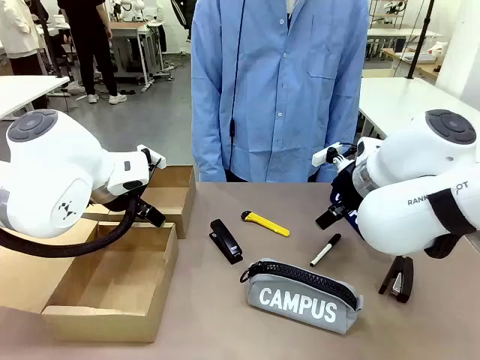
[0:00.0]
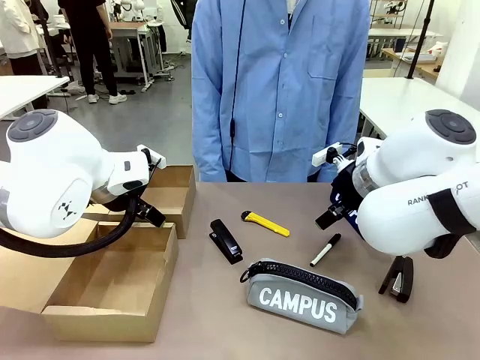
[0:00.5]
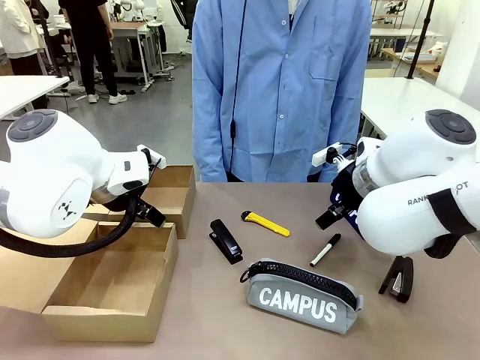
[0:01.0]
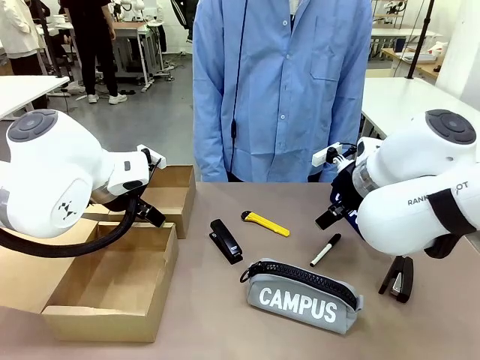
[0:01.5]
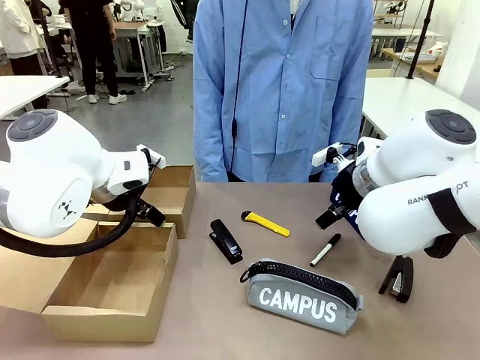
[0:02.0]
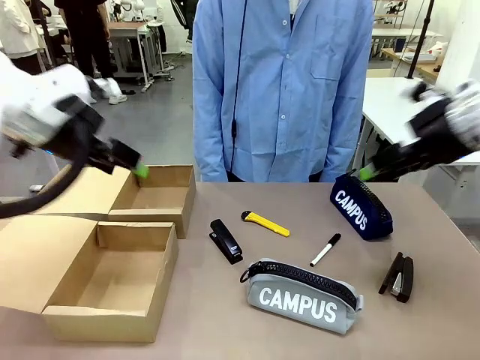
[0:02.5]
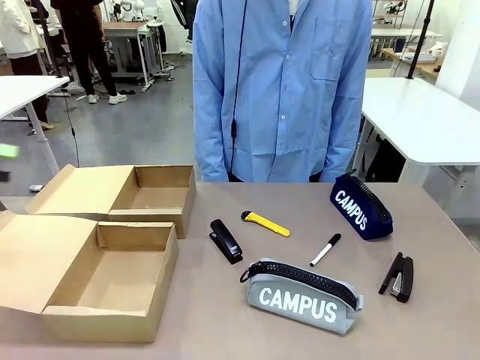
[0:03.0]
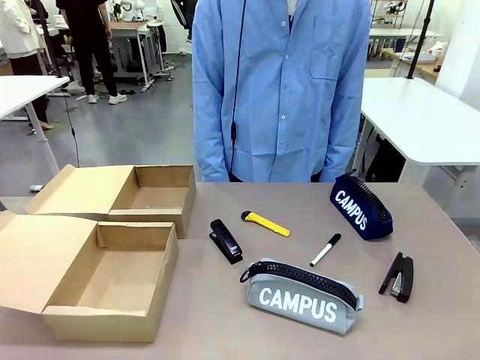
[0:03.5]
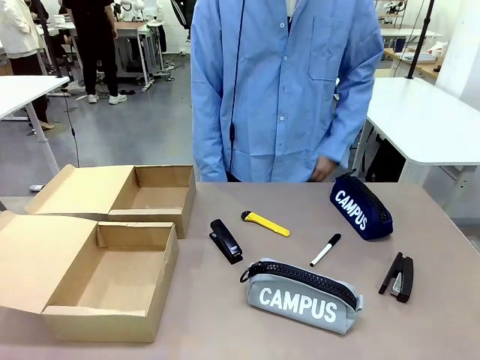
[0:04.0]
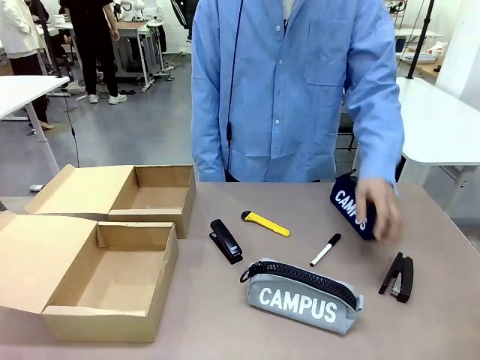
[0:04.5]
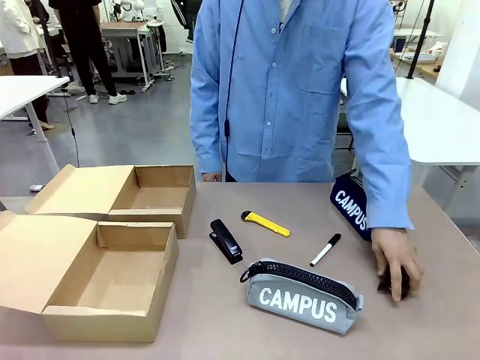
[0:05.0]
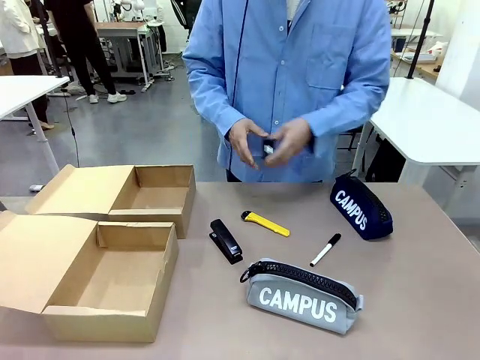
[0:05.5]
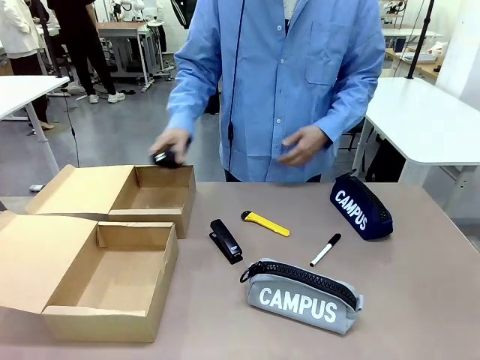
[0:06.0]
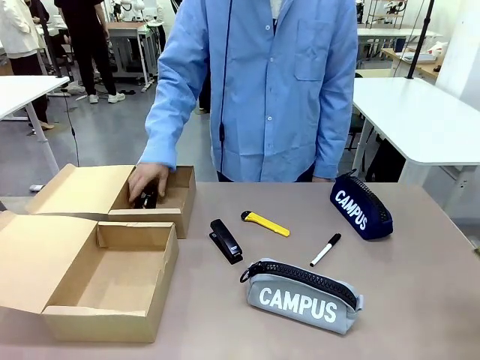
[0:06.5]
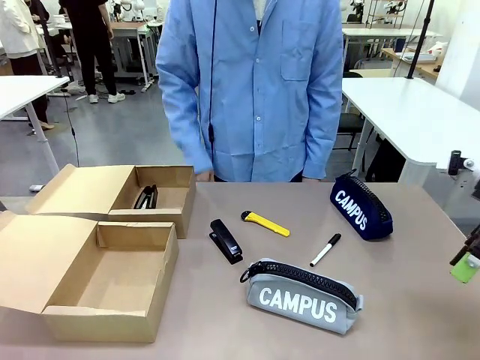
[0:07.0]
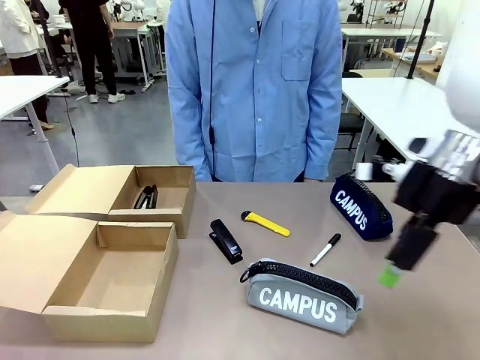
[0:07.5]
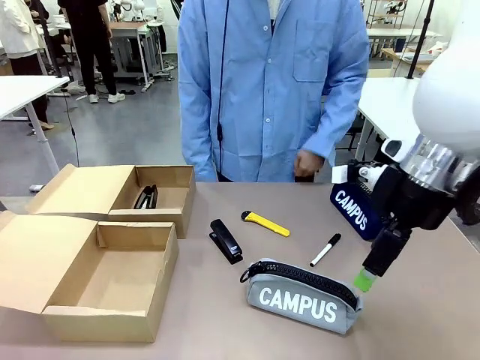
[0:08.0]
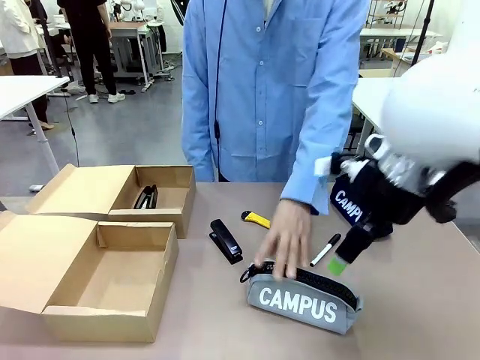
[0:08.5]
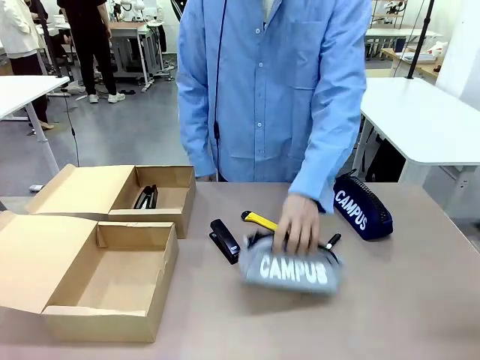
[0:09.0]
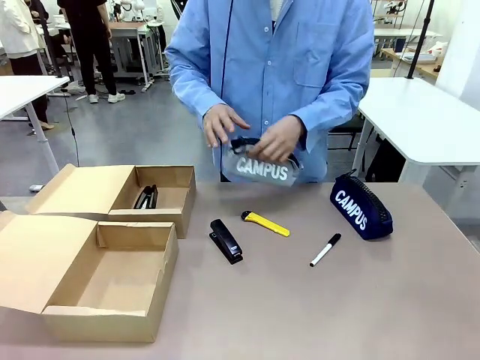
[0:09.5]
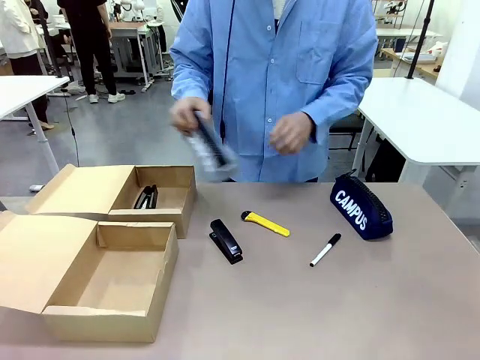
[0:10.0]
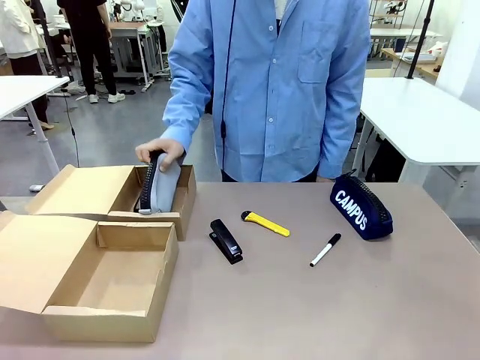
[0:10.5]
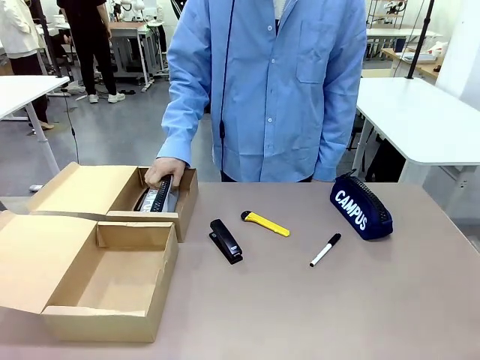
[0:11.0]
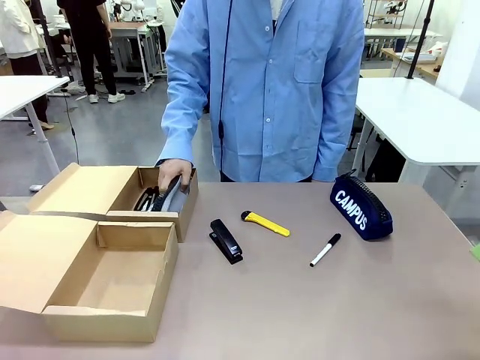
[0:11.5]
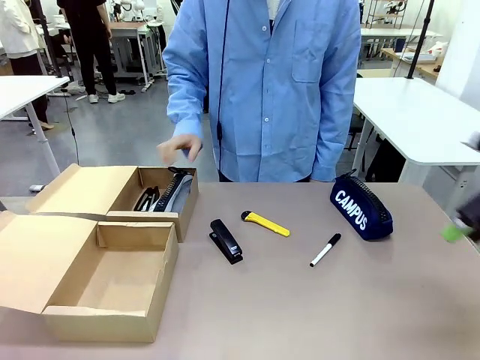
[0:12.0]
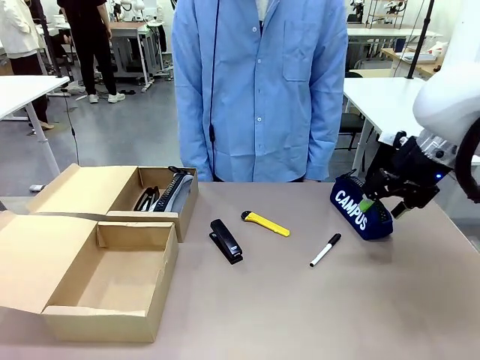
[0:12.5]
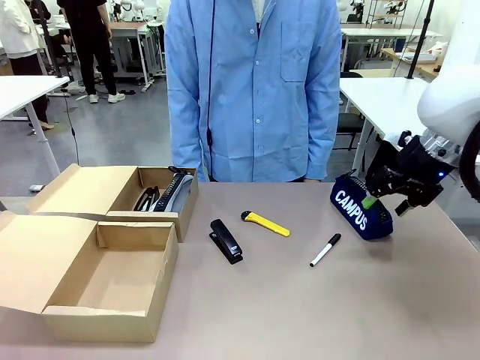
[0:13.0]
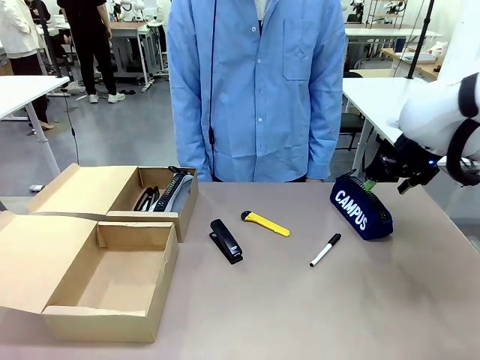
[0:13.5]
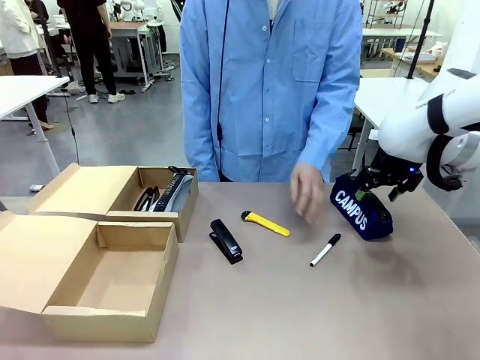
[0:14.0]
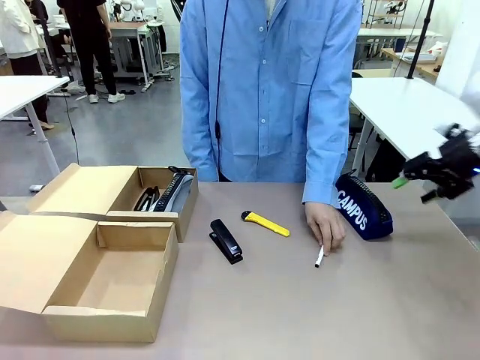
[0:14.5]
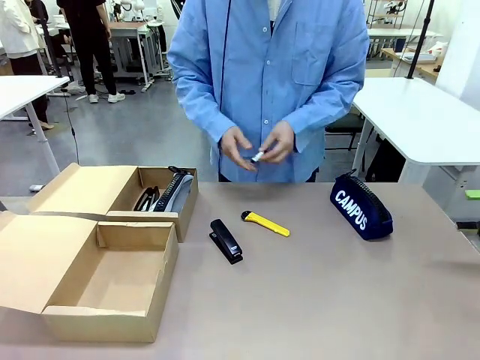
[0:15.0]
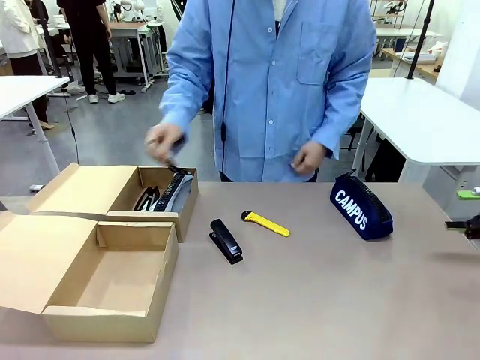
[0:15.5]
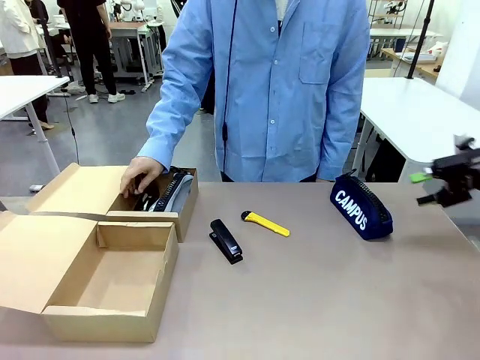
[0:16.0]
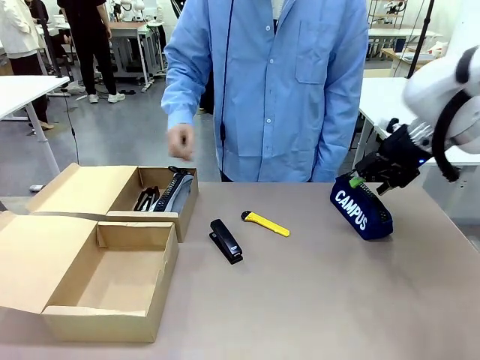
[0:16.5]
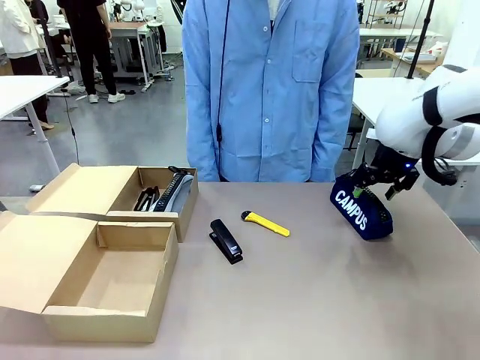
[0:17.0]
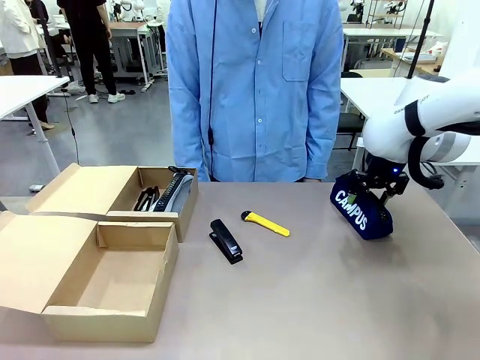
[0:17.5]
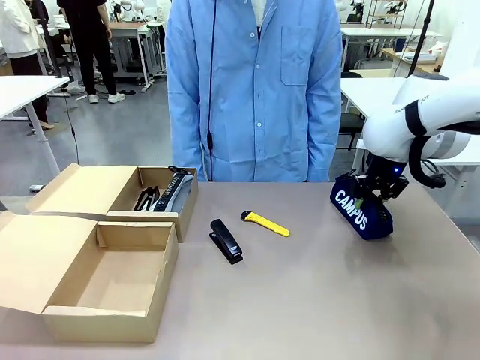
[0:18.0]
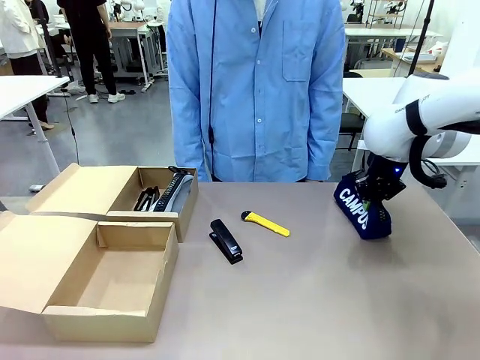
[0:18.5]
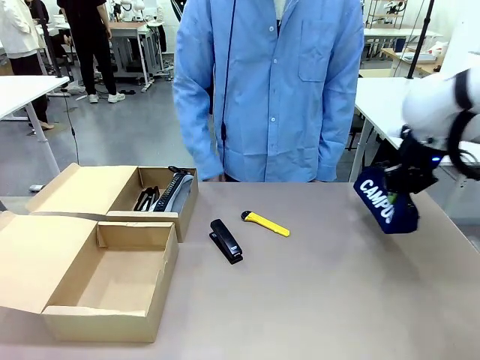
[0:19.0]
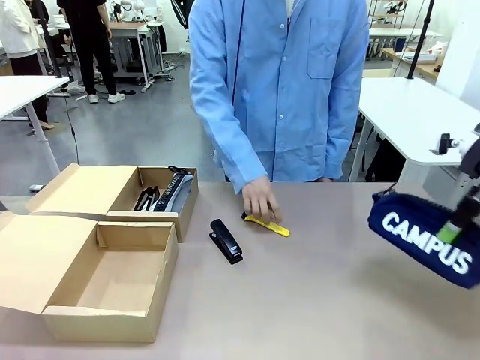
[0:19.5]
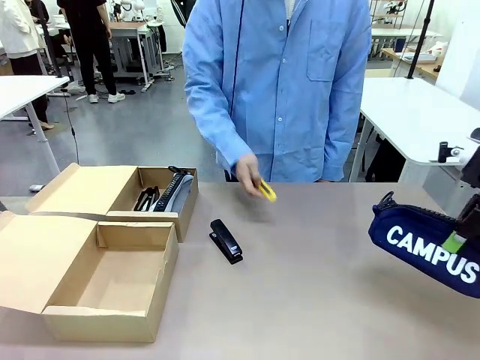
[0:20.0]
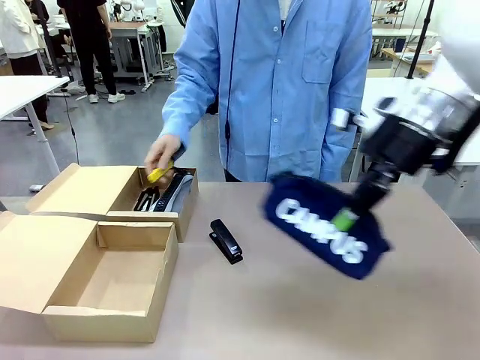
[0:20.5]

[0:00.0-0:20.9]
Task: Place items inside the box.
Robot: Pick up a Pencil pouch or Stapler and place it inside the Mailer Box closest to the robot.
Person: Pick up an object on the table and put it in the box.
